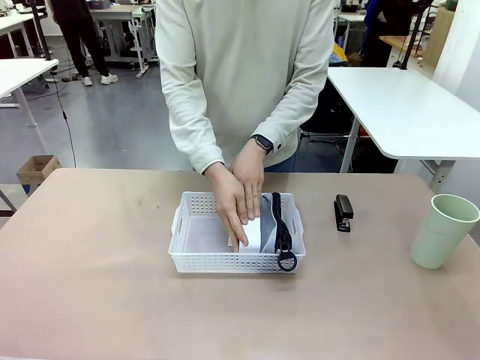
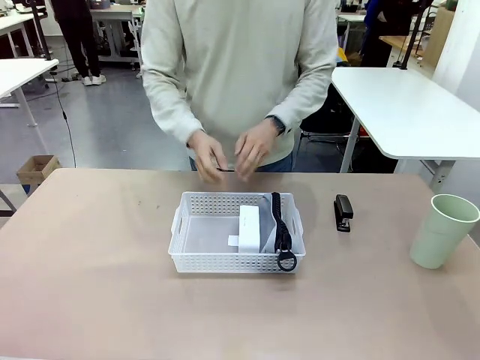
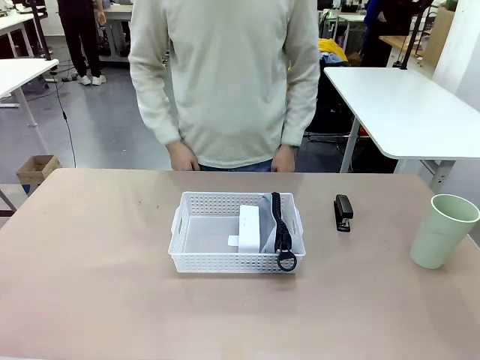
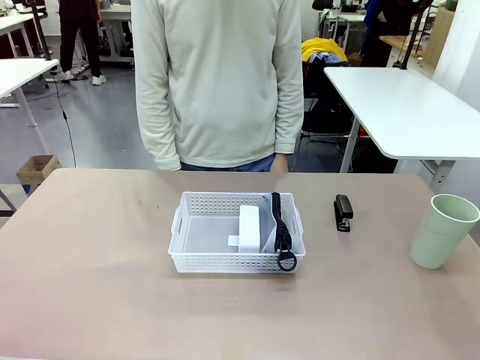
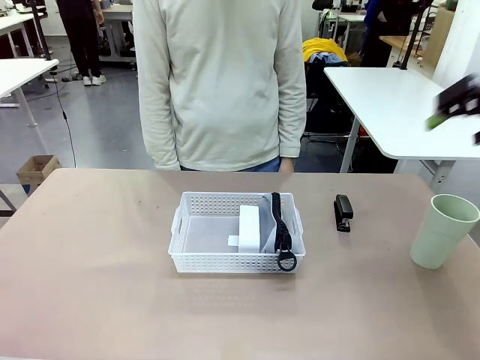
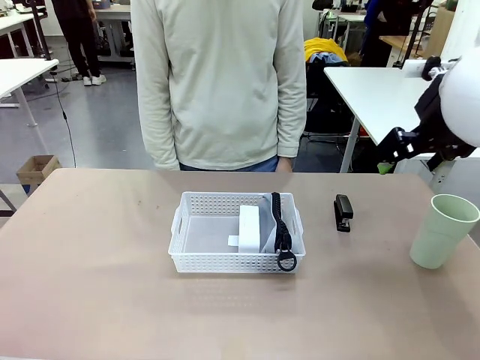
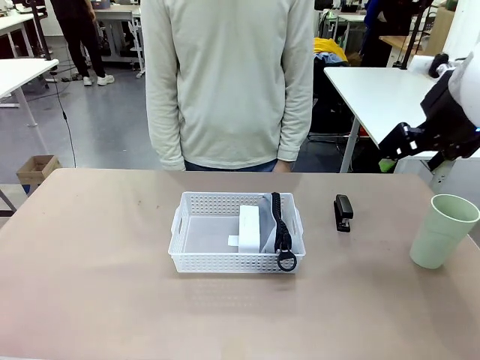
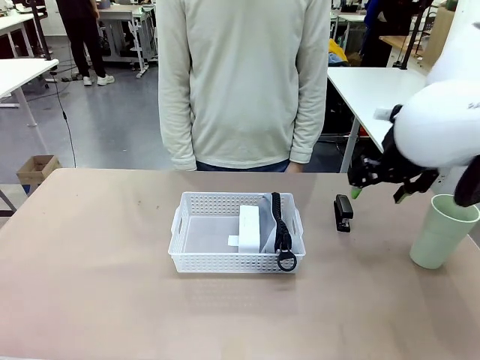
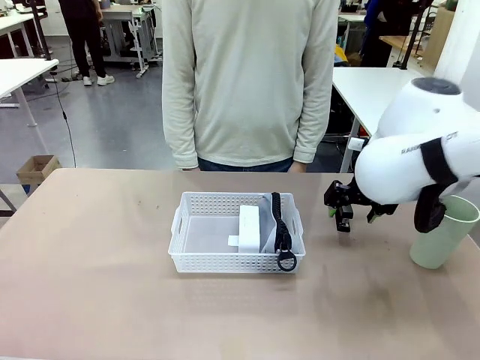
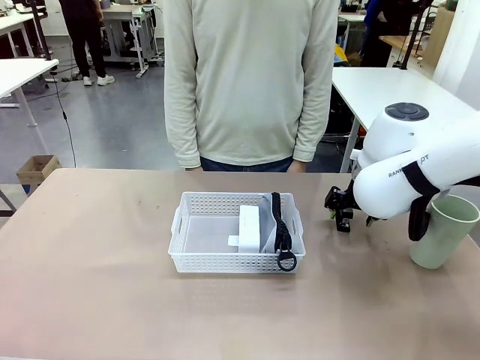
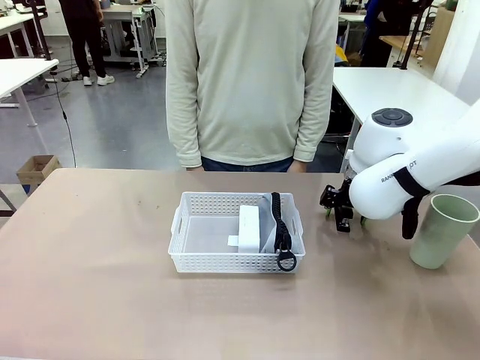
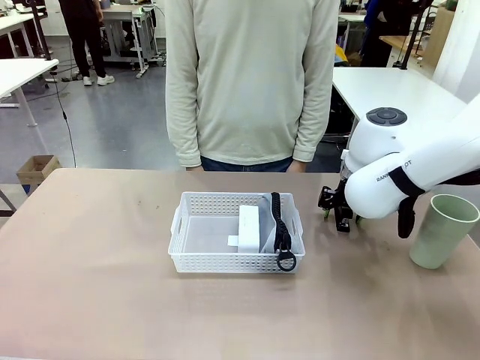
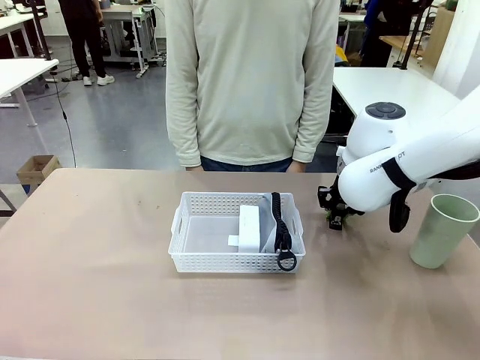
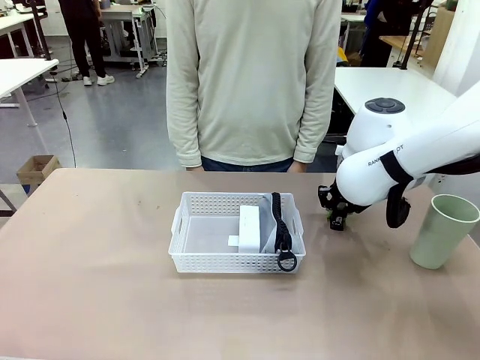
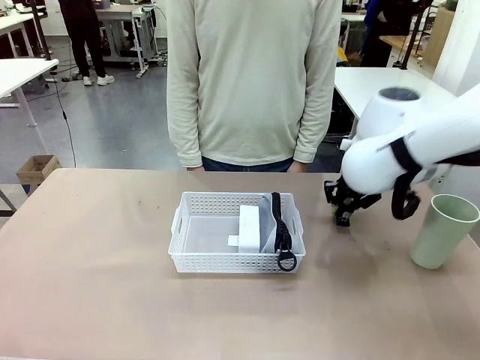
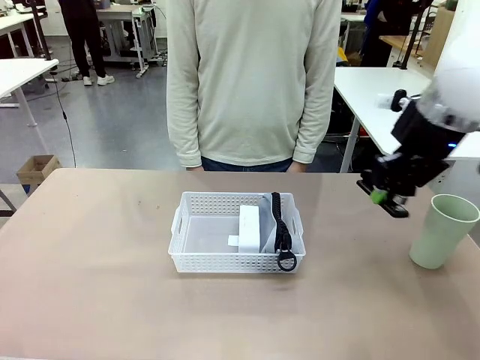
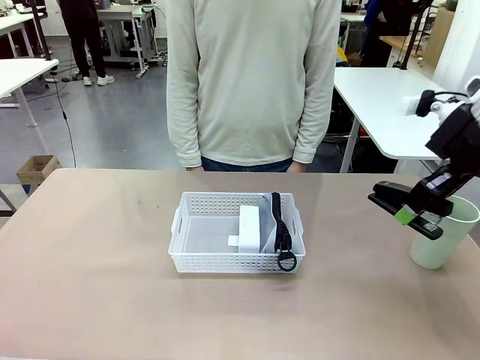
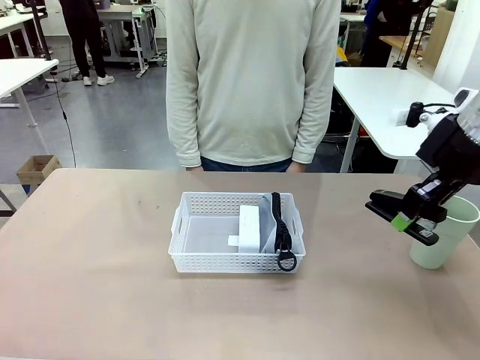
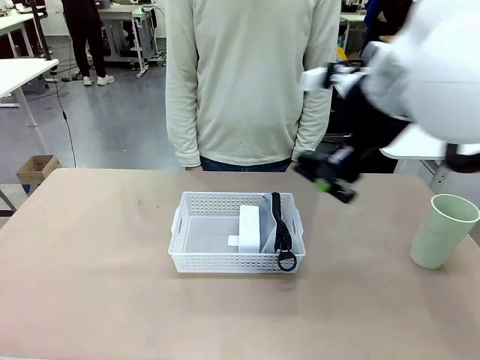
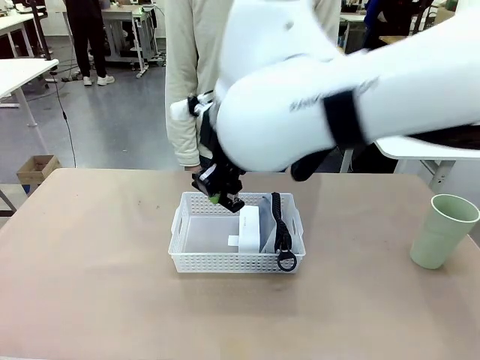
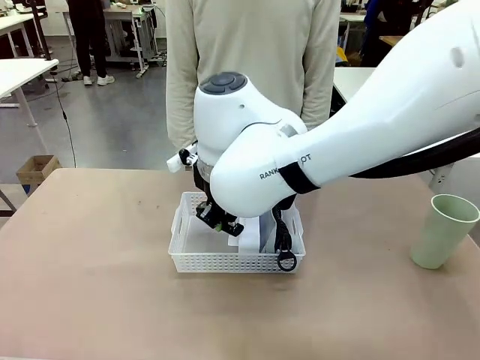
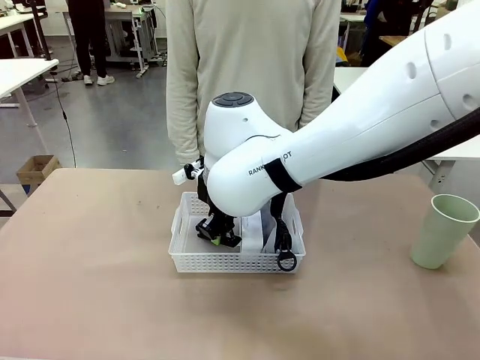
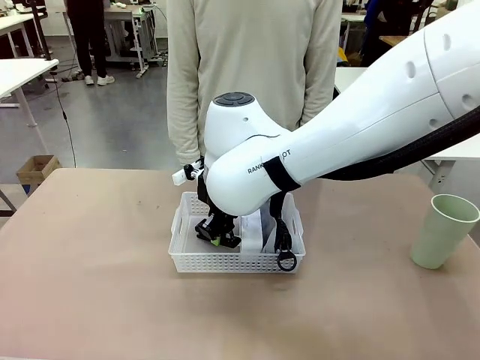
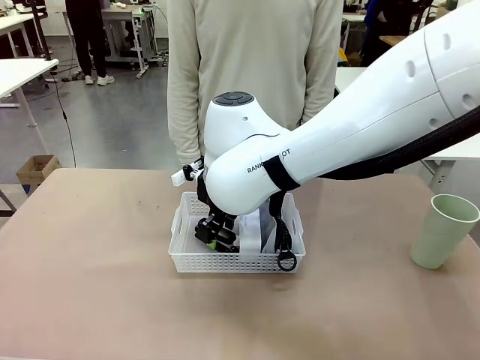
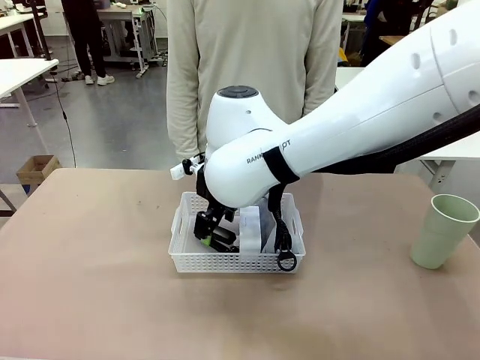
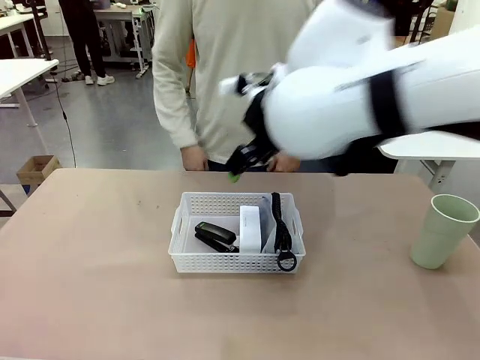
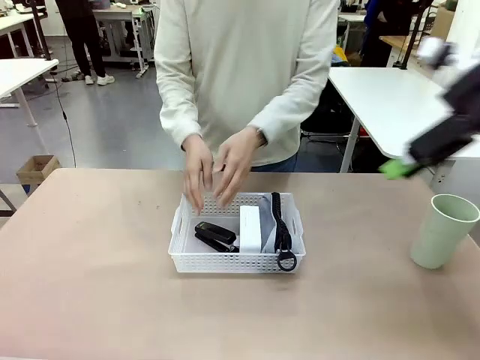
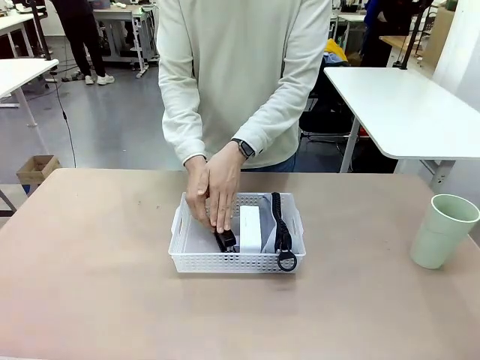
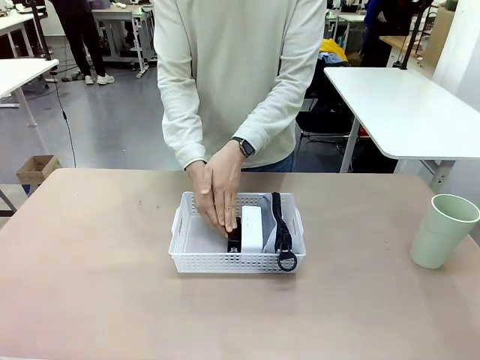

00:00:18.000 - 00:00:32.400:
Task: Efficiently arrange items inside the basket to fit them all.
Robot: Pick up the Stapler and place it inside the Organizing basket.

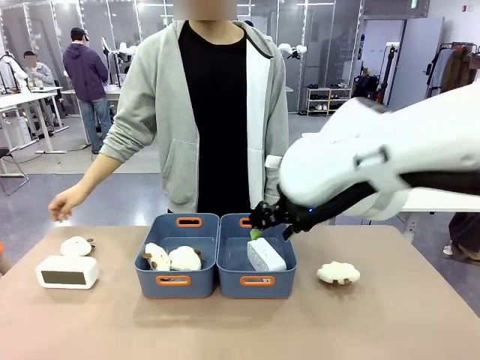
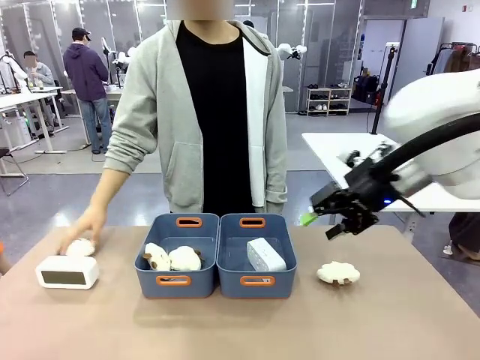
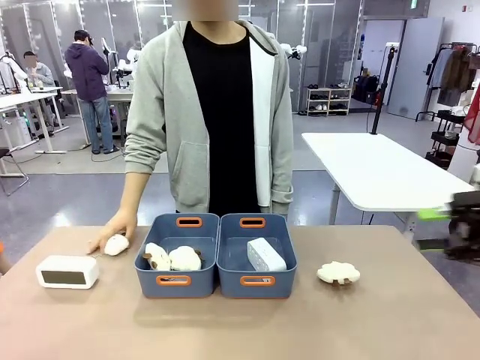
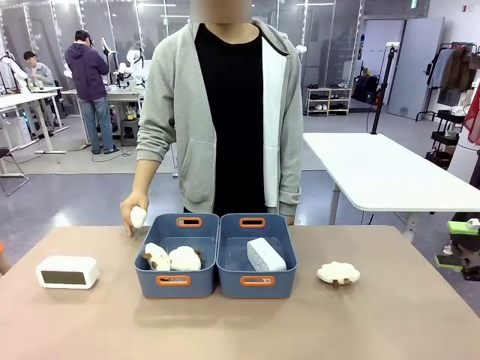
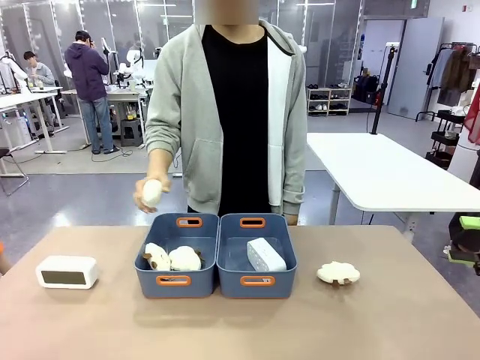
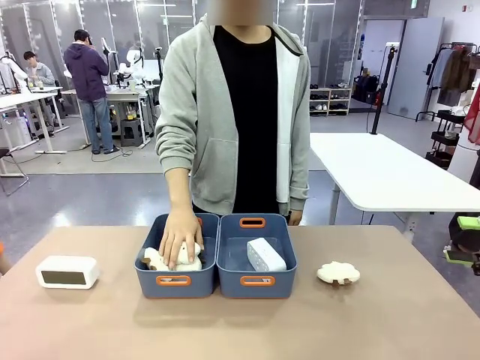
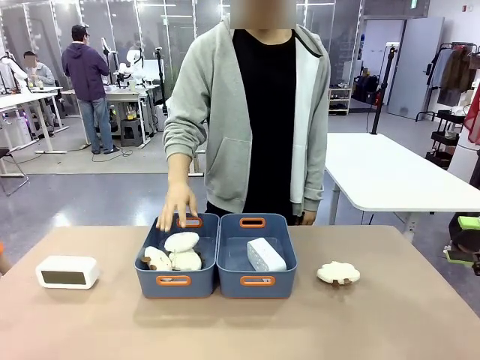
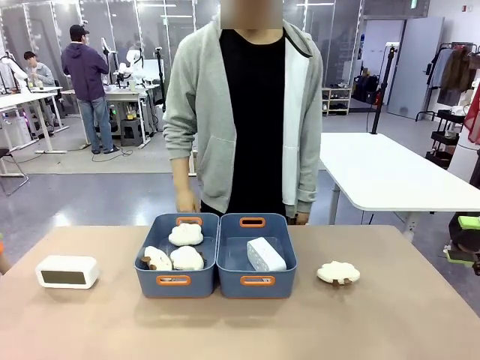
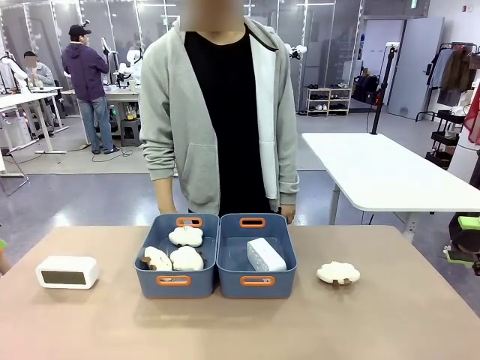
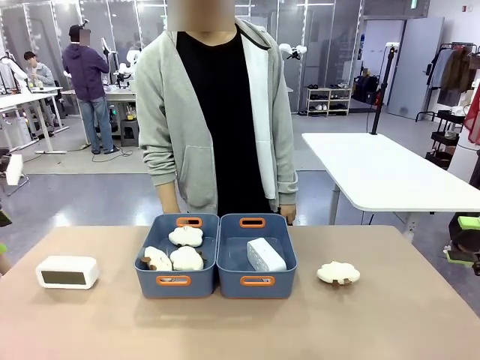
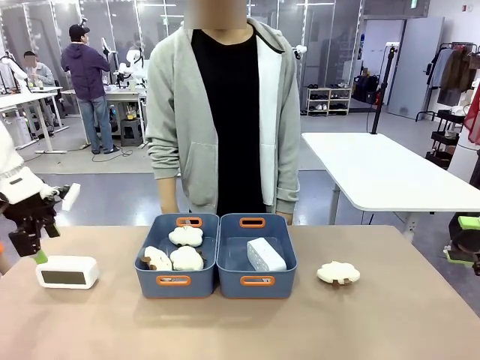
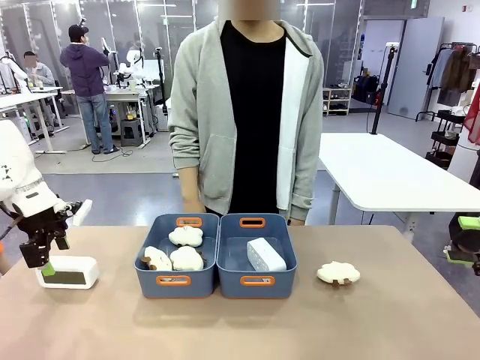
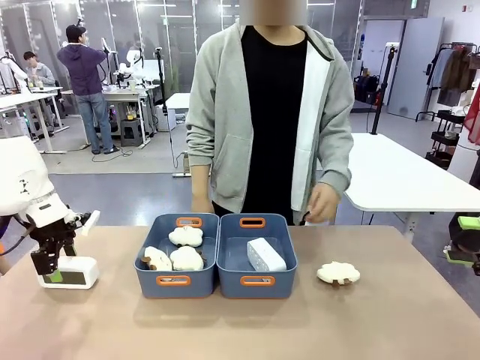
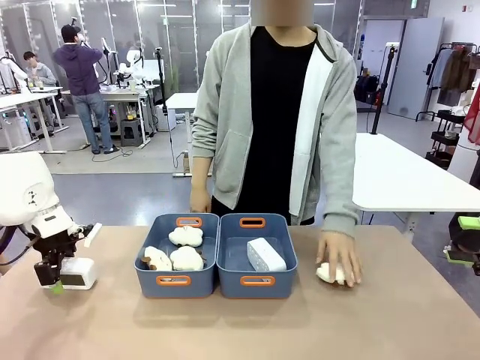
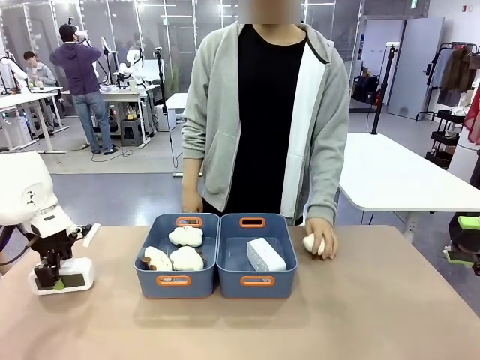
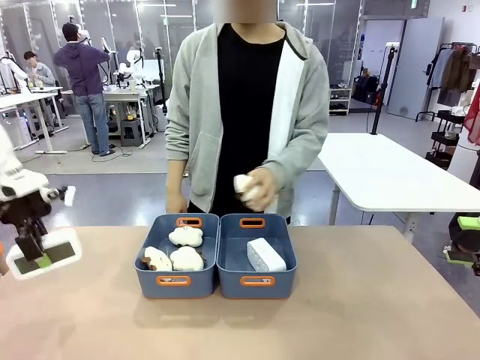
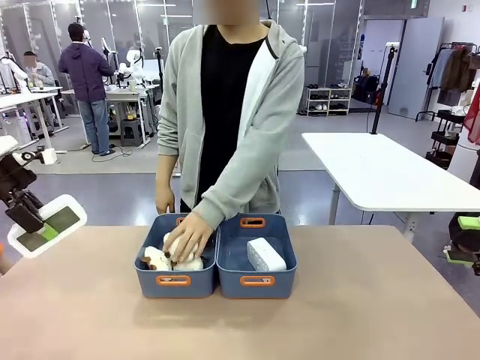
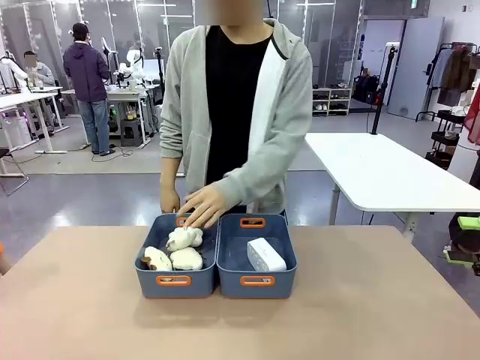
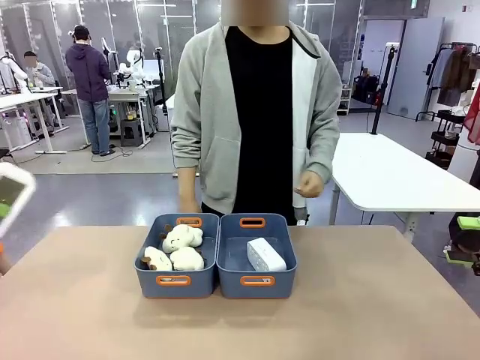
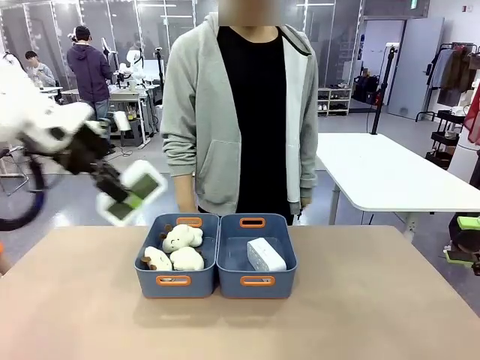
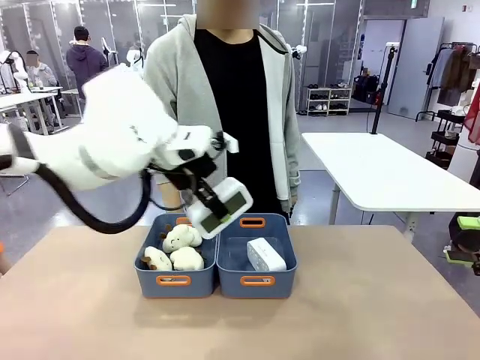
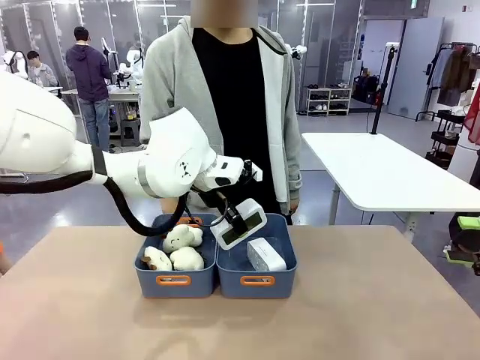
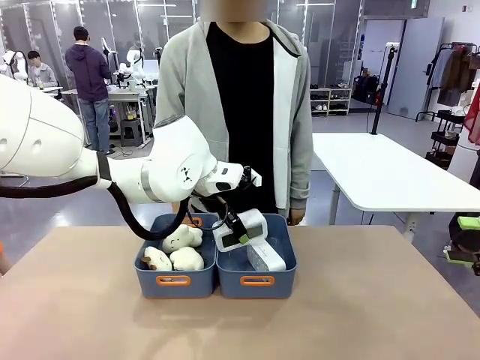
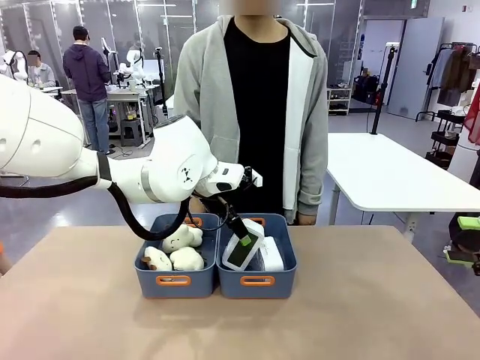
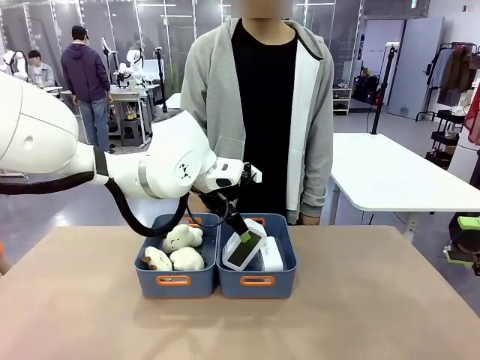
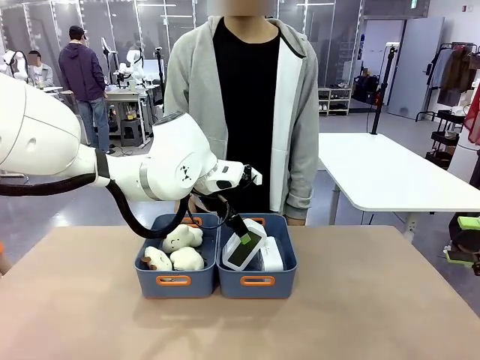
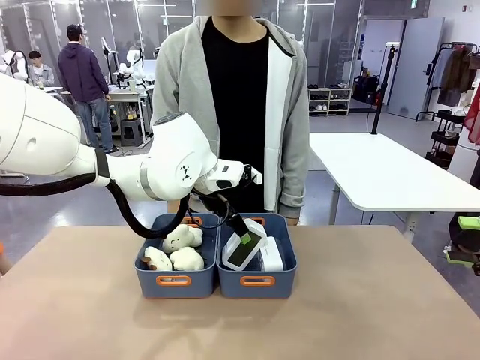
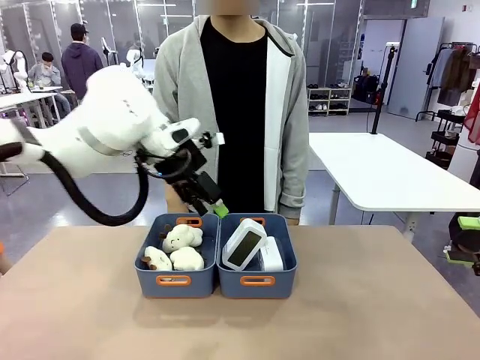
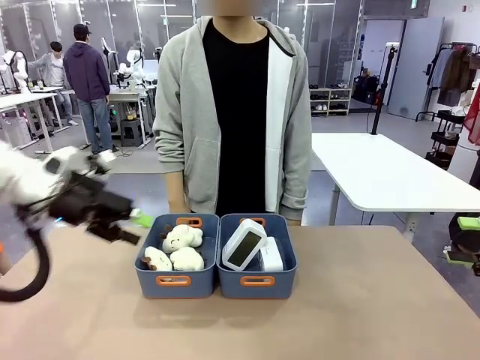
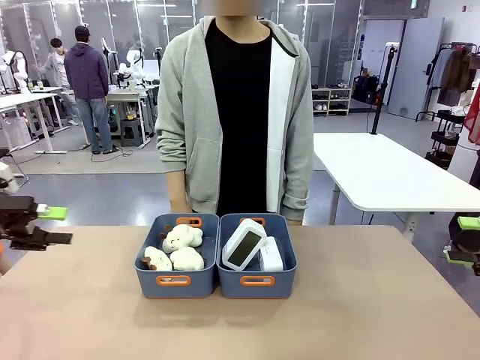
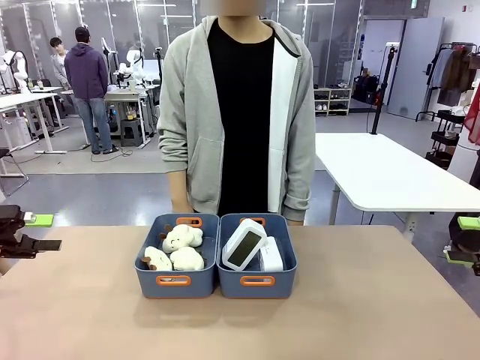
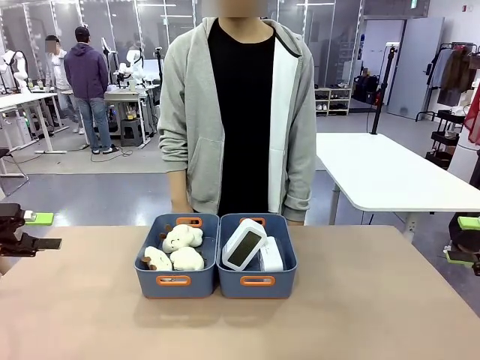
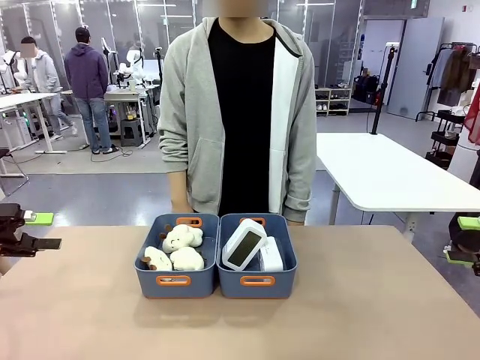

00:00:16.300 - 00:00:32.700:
Task: Sort the digital clocks into the basket.
Robot: Pick up the Digital clock from the table and place it into the empty Plastic storage basket.
Person: Pick up a plush toy from the table and place it in the plastic storage basket containing the plush toy.
